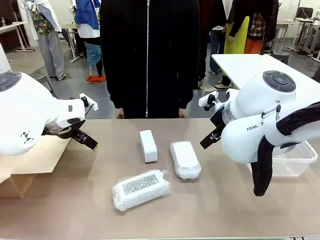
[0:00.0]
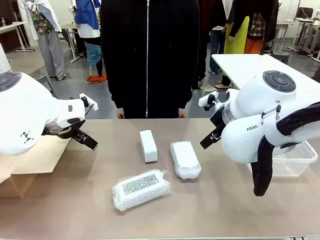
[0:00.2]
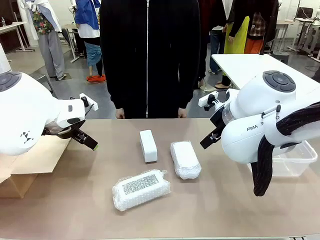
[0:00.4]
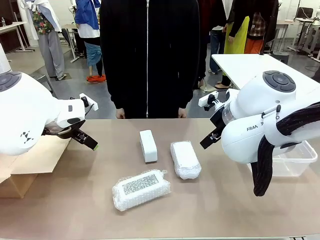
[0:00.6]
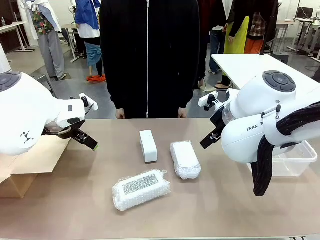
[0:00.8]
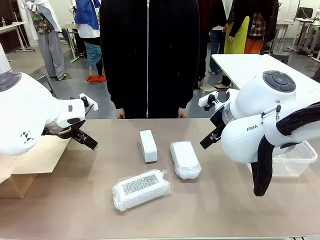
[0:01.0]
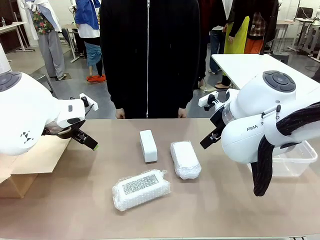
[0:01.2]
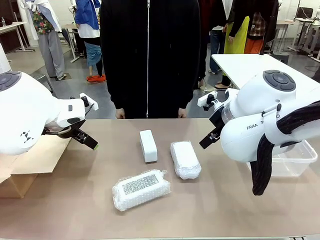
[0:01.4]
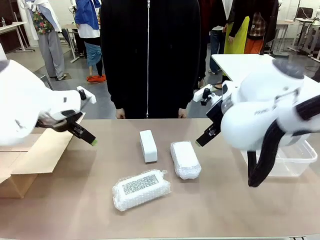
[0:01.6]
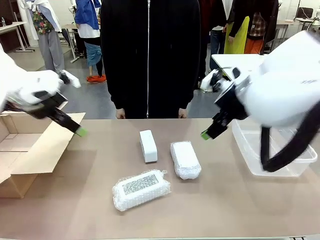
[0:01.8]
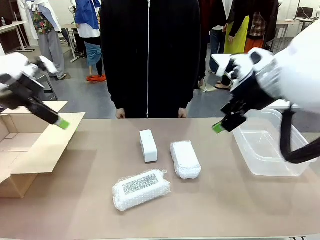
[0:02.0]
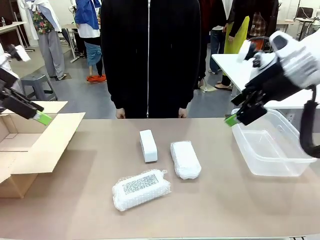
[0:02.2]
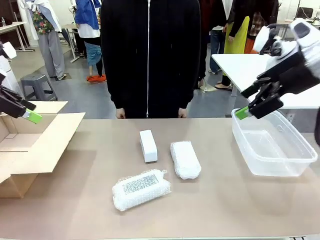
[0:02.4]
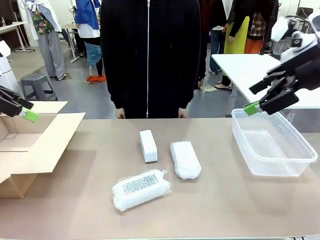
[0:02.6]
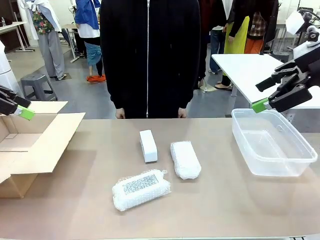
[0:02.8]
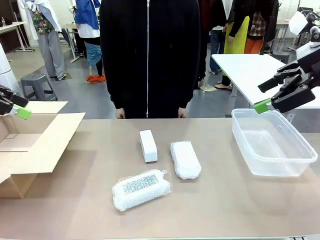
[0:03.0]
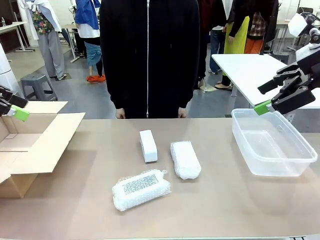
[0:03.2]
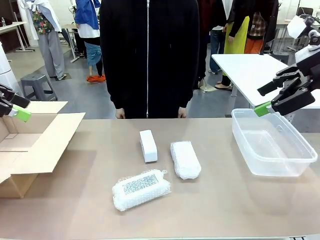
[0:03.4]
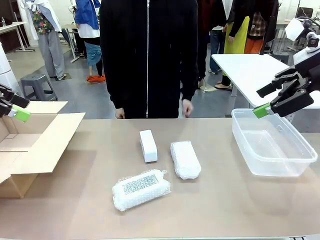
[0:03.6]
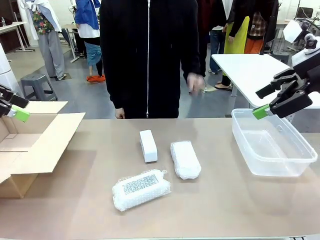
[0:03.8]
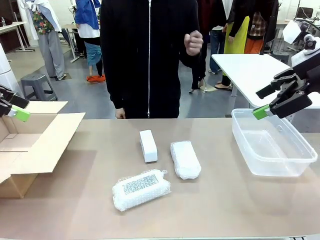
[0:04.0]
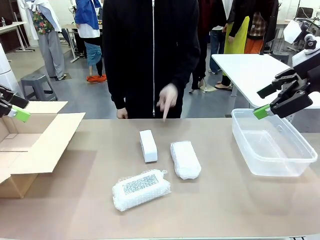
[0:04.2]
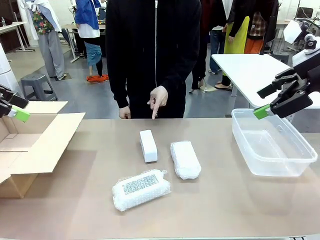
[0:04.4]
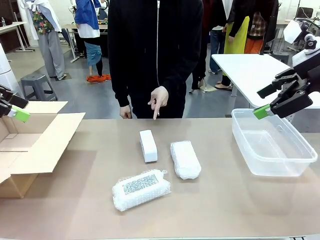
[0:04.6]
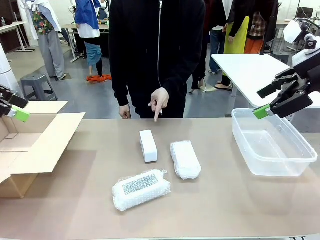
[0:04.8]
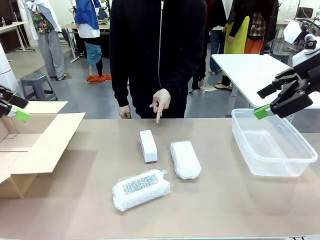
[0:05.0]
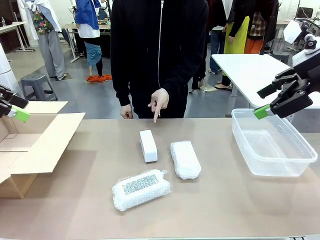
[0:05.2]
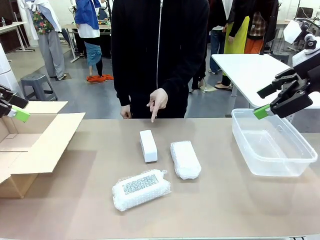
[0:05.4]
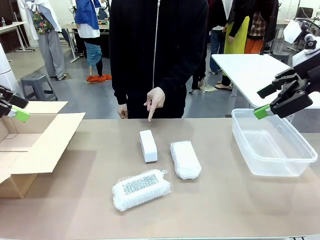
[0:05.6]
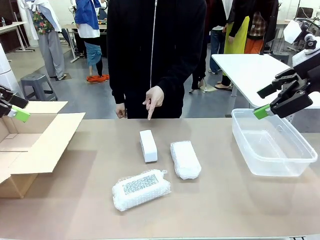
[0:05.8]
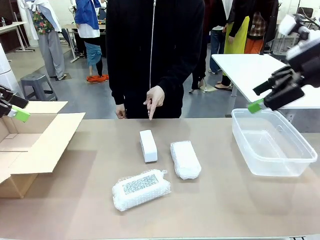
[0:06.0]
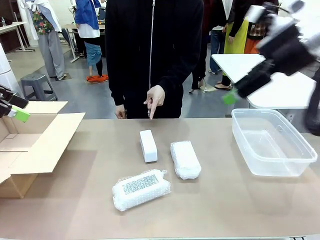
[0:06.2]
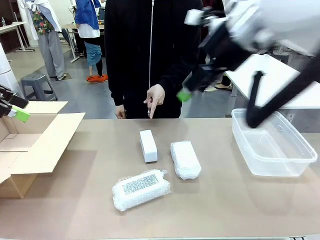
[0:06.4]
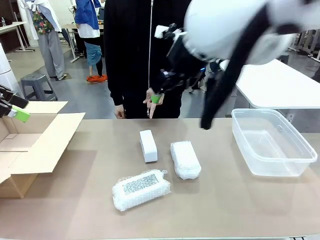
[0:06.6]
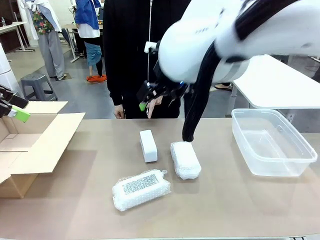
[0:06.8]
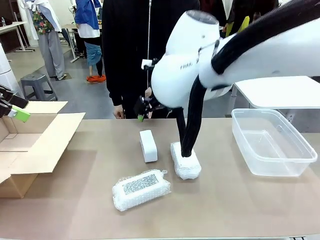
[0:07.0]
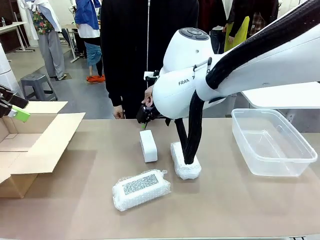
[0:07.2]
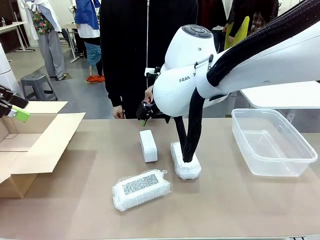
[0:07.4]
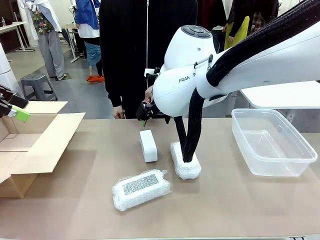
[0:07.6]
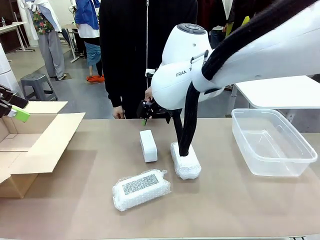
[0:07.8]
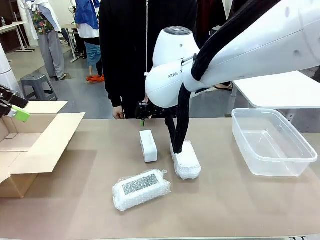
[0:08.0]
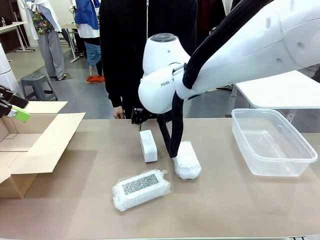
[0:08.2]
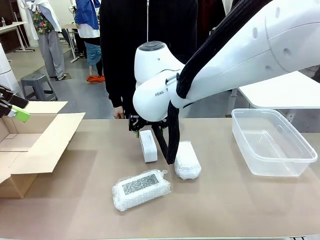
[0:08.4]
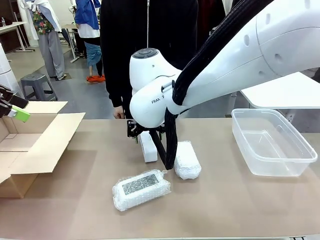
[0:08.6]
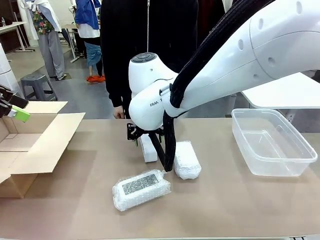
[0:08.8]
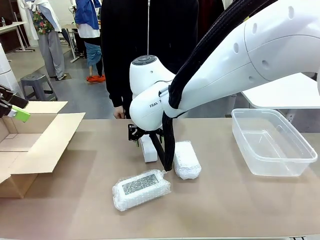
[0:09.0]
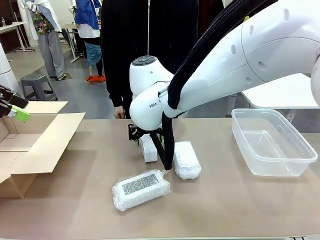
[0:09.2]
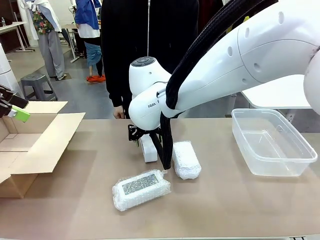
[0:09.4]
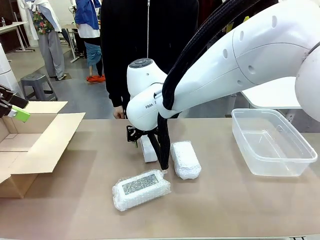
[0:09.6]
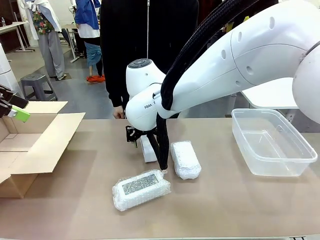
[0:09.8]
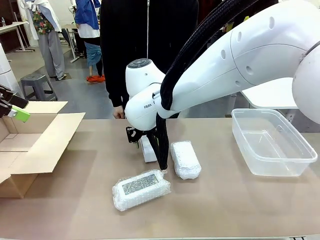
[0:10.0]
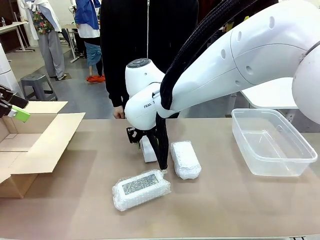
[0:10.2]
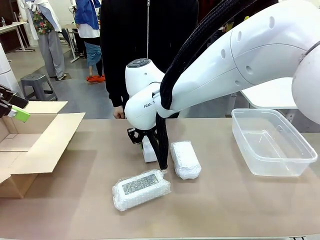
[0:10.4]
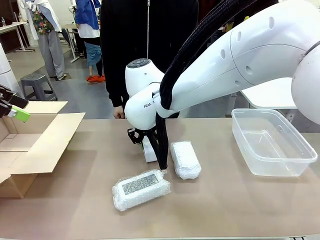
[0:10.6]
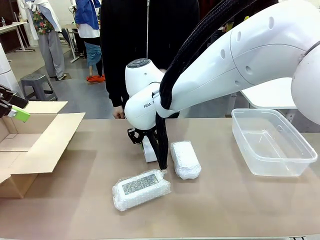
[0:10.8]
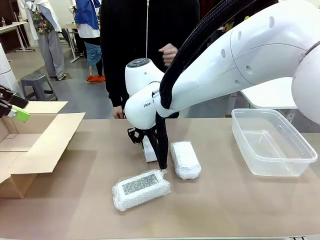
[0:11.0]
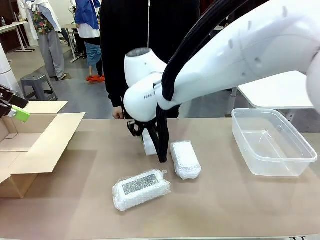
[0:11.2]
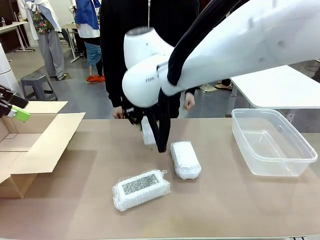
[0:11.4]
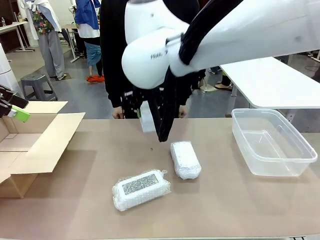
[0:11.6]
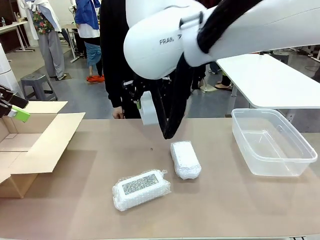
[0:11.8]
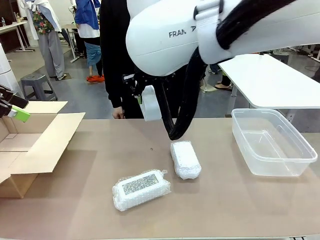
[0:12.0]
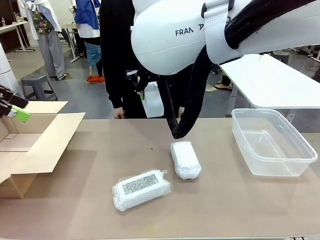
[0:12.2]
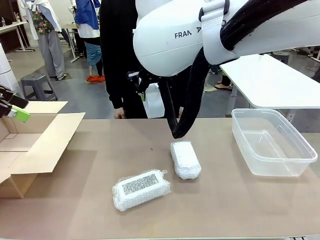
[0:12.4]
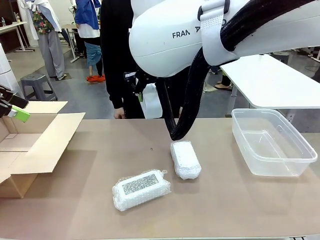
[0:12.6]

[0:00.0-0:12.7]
Task: Separate and place wrapped and unwrapped clocks.
Robot: Pick up the Digital clock indicated by the person.

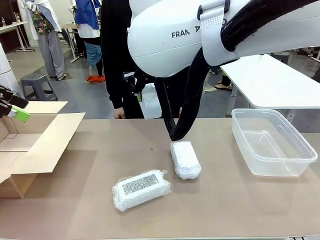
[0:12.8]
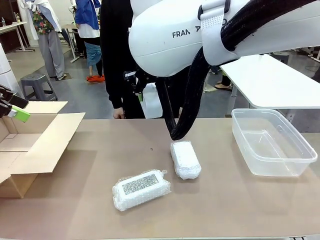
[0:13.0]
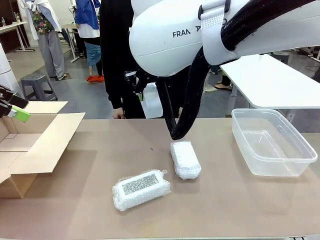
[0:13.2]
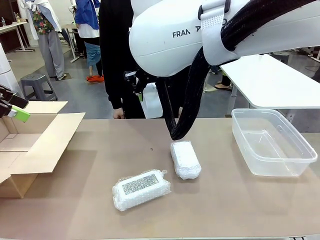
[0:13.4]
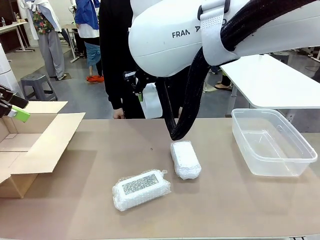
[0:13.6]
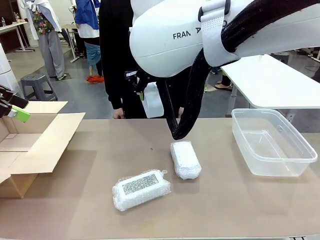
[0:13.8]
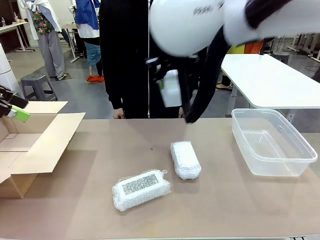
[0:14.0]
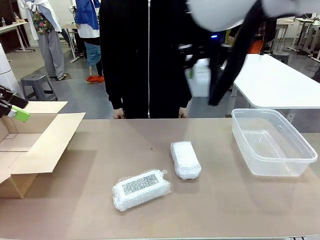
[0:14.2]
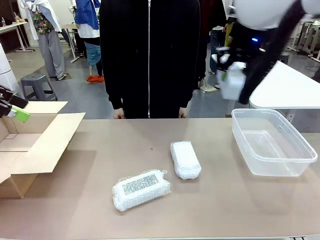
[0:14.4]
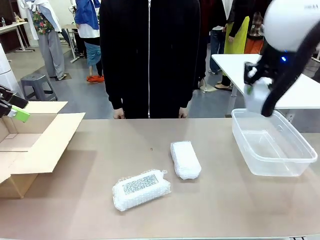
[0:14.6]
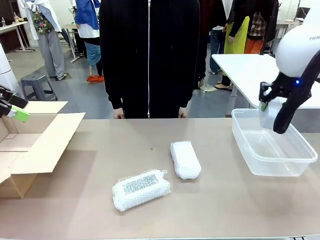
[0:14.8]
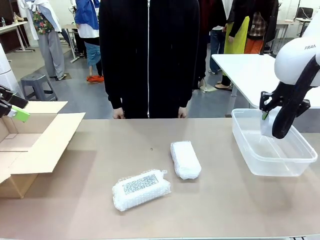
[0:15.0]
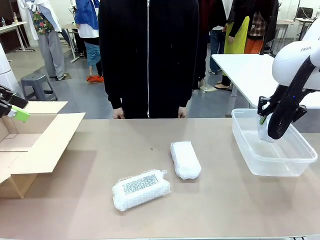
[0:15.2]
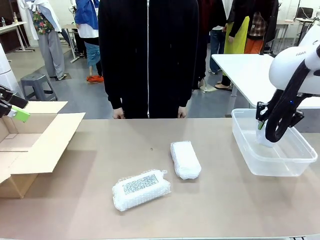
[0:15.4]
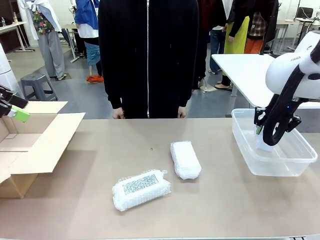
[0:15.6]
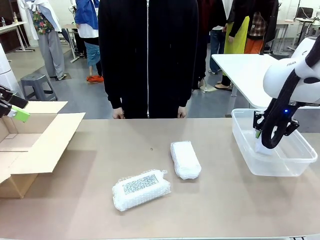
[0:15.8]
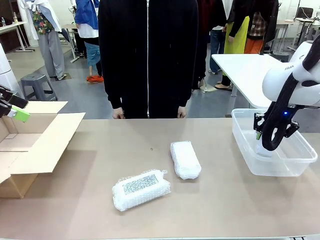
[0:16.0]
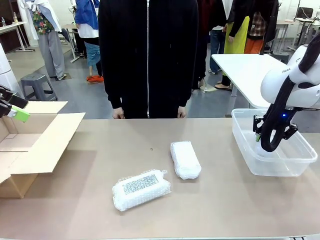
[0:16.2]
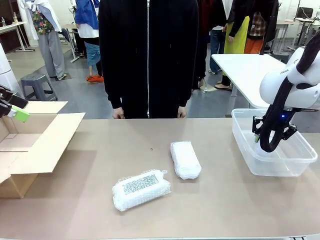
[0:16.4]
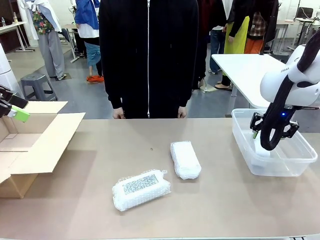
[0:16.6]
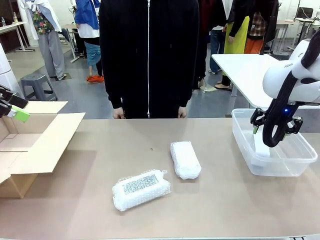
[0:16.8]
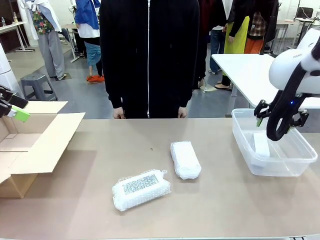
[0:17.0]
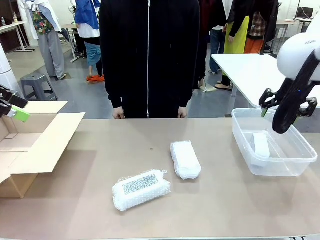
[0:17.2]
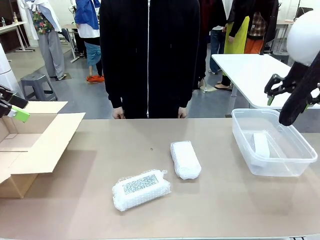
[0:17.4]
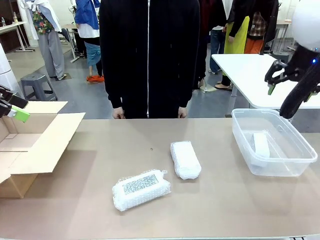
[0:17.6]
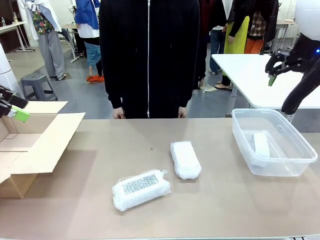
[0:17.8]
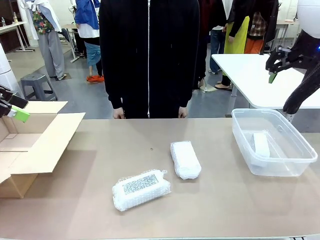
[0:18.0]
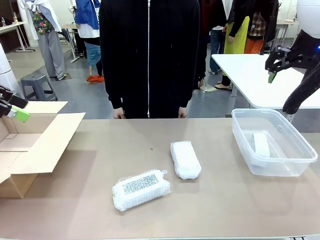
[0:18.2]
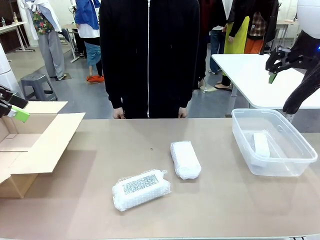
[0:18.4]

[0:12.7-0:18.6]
Robot: If the picked Digital clock is wrapped, place it in the Package Box ; if not, place it in the Organizing box.

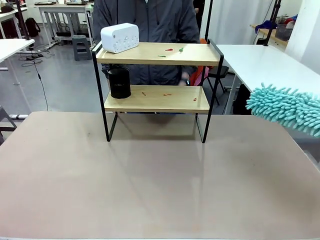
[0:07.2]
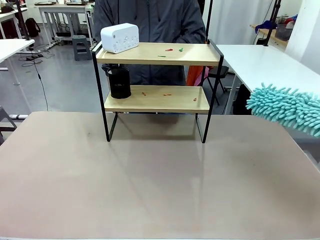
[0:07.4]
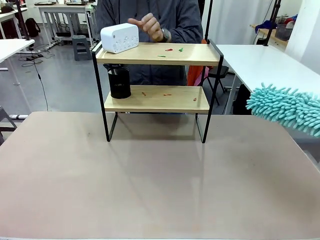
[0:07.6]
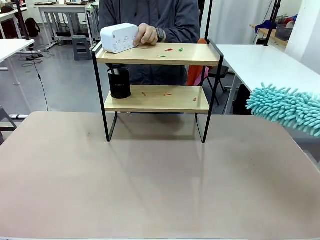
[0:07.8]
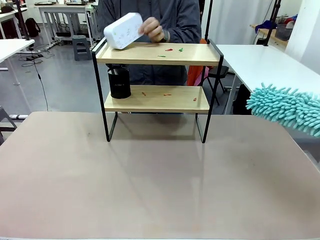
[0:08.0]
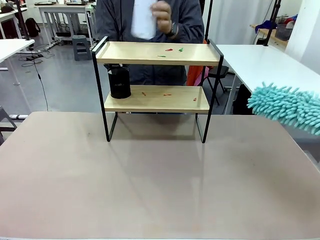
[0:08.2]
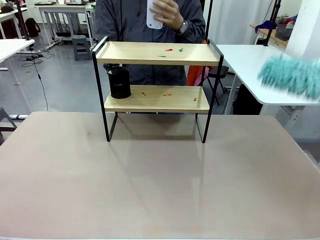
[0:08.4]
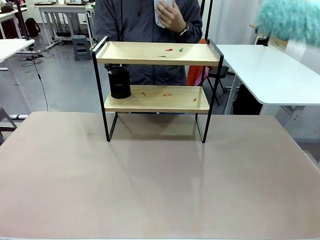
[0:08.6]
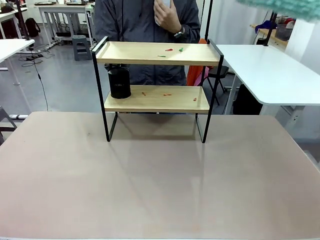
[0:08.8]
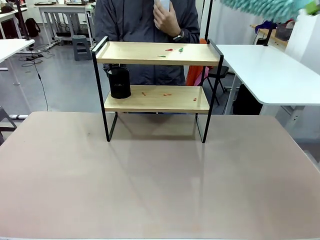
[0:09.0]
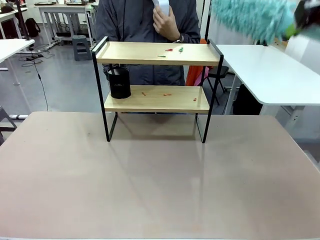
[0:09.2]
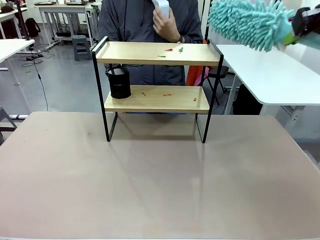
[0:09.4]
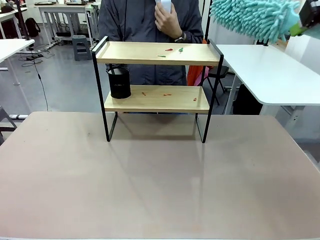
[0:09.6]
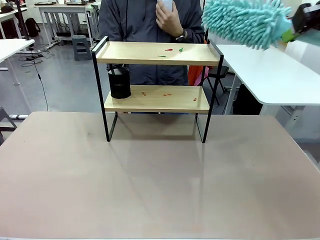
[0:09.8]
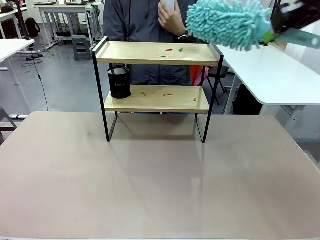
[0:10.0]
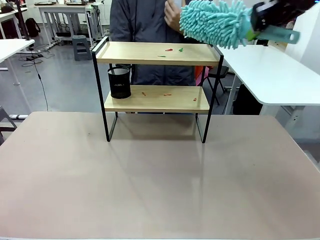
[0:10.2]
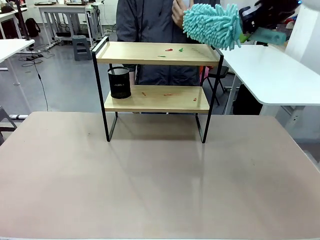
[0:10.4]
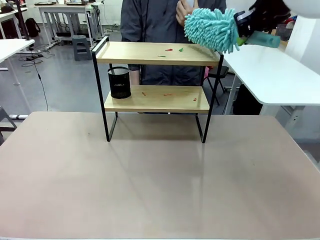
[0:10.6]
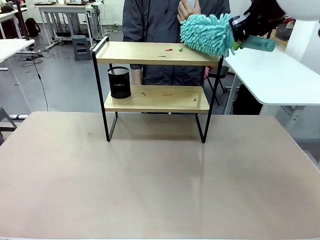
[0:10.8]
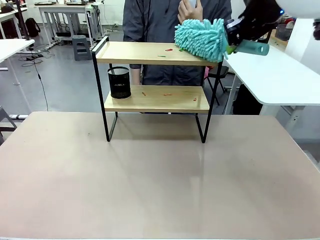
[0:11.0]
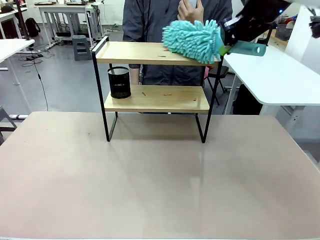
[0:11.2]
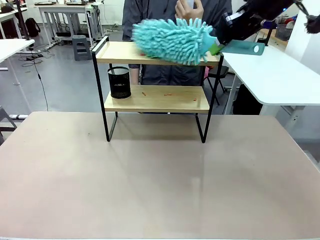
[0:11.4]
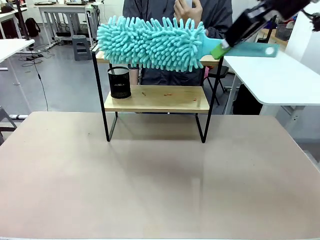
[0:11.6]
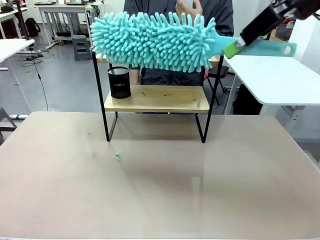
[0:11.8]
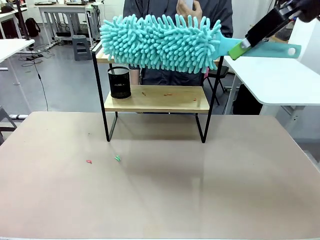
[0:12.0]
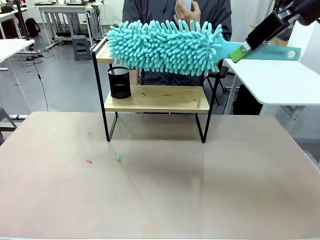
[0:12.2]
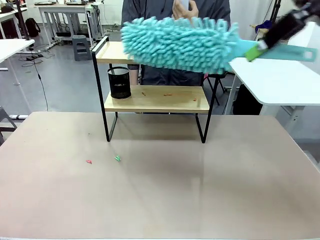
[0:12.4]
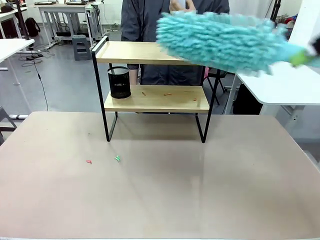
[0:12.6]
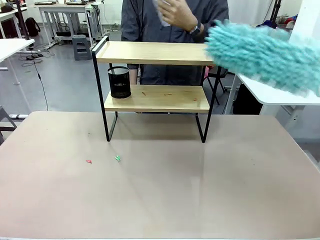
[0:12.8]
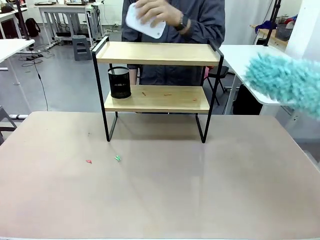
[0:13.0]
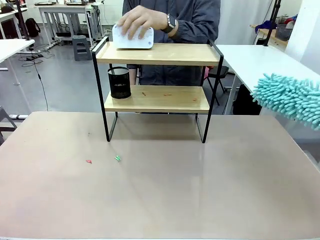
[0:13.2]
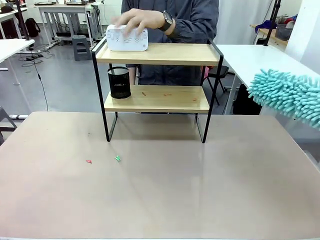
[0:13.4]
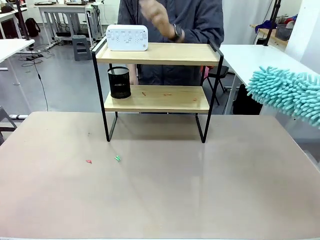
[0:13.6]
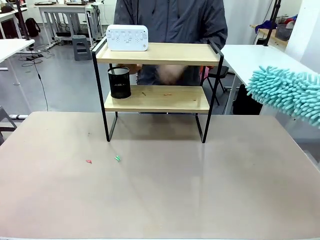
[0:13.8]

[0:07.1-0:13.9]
Task: Clean the shelf.
Robot: Clean the specific tier of the Shelf with the Duster once objects are removed.
Person: Lift the objects on a randomly selected tier of the Shelf. Once the robot finishes cleaning, lift the objects on the remaining tiers of the Shelf.
